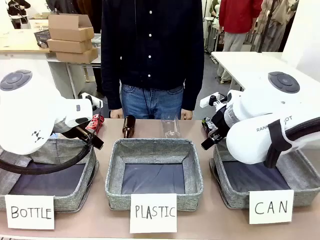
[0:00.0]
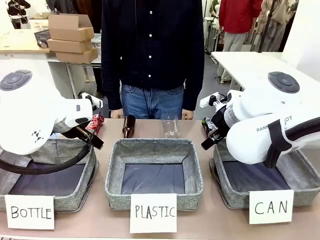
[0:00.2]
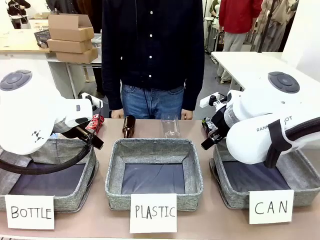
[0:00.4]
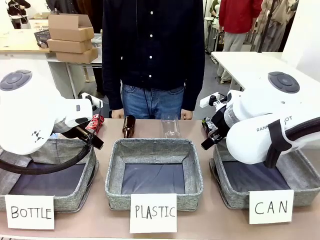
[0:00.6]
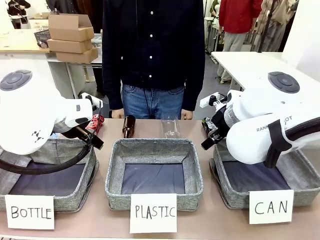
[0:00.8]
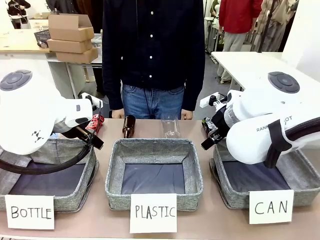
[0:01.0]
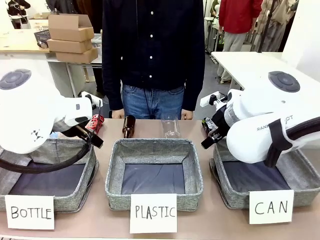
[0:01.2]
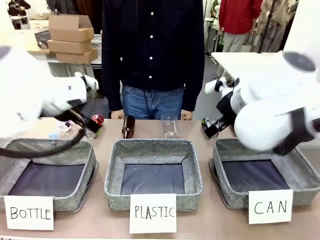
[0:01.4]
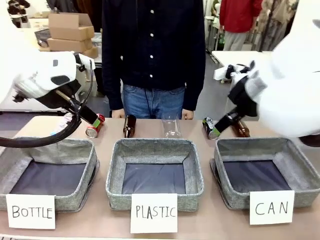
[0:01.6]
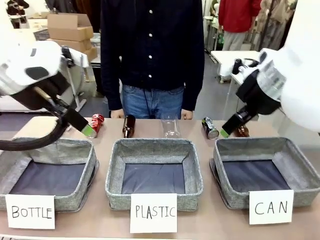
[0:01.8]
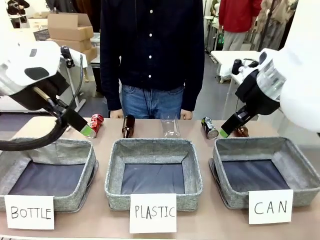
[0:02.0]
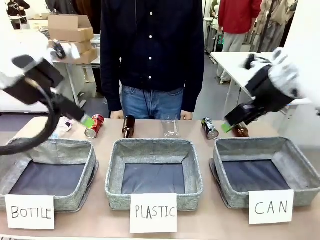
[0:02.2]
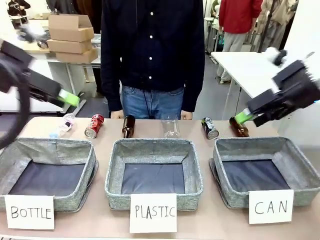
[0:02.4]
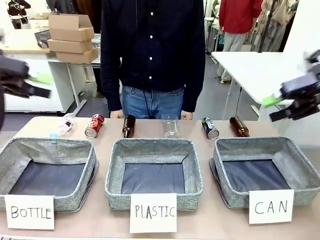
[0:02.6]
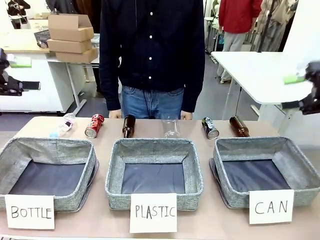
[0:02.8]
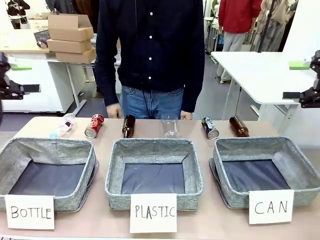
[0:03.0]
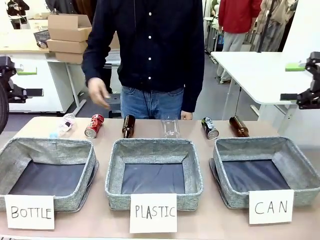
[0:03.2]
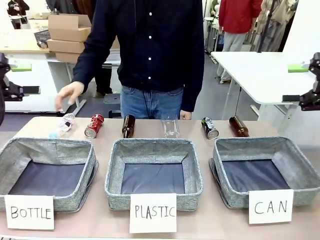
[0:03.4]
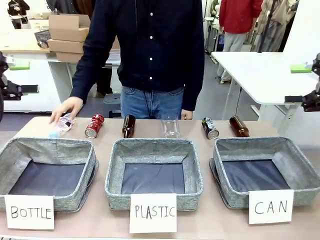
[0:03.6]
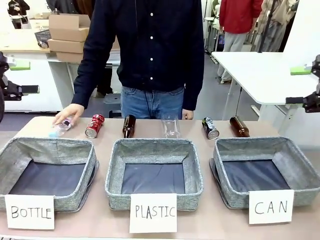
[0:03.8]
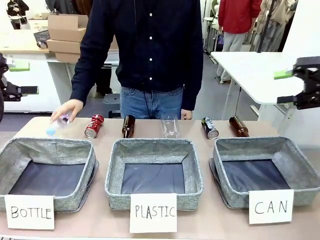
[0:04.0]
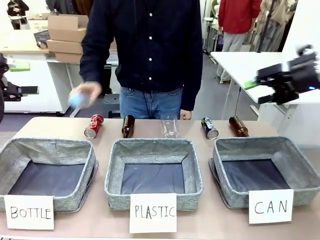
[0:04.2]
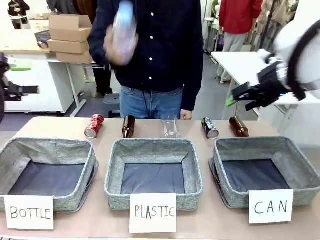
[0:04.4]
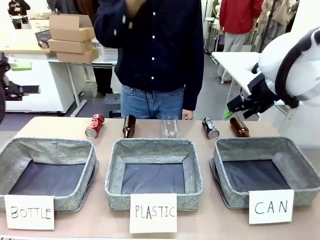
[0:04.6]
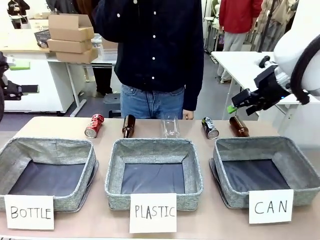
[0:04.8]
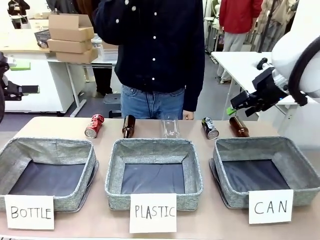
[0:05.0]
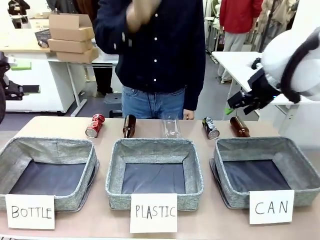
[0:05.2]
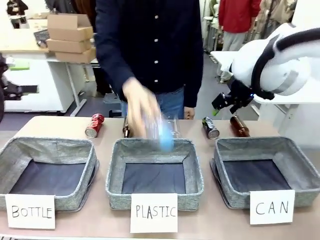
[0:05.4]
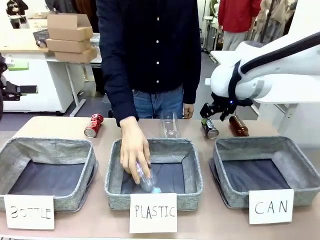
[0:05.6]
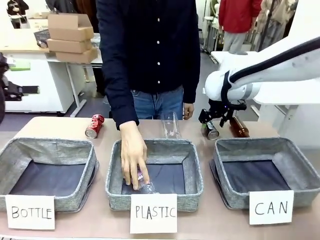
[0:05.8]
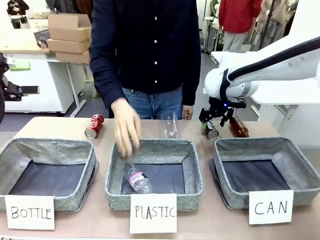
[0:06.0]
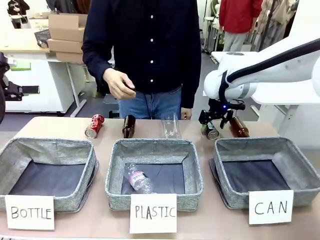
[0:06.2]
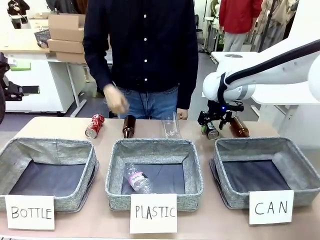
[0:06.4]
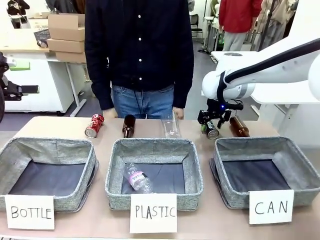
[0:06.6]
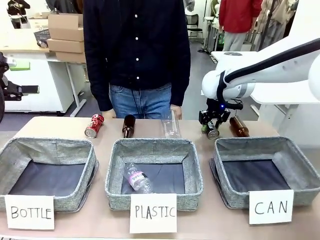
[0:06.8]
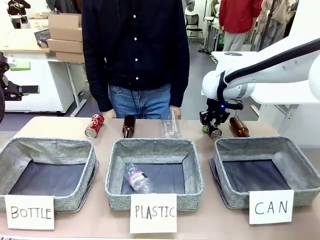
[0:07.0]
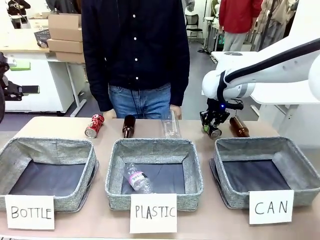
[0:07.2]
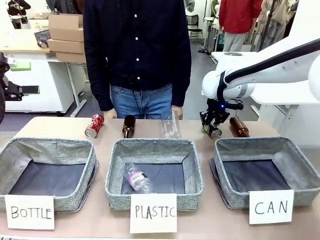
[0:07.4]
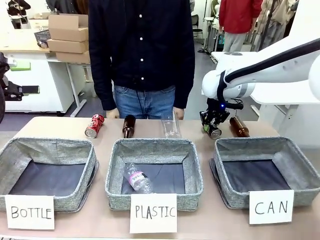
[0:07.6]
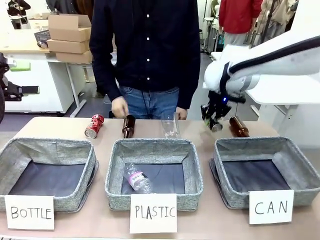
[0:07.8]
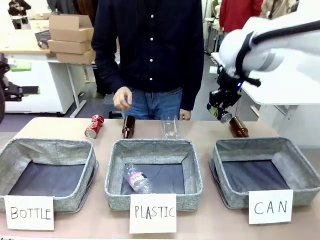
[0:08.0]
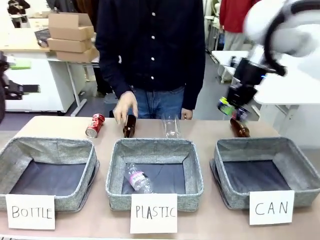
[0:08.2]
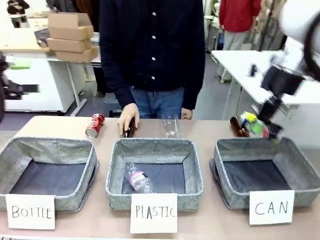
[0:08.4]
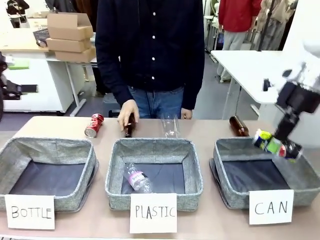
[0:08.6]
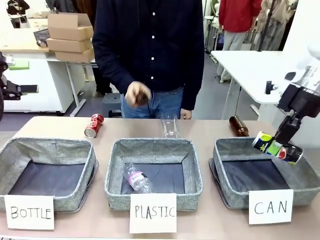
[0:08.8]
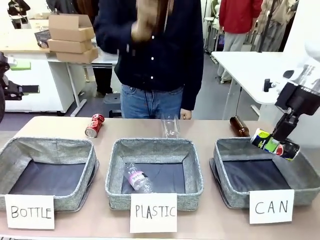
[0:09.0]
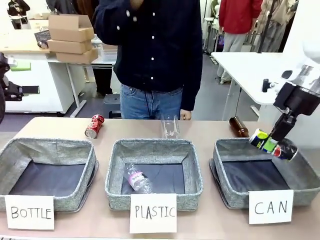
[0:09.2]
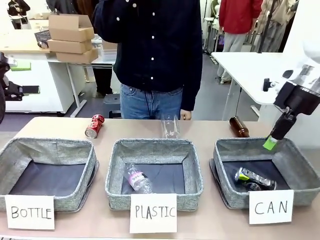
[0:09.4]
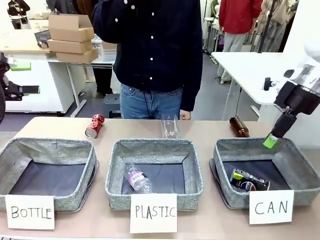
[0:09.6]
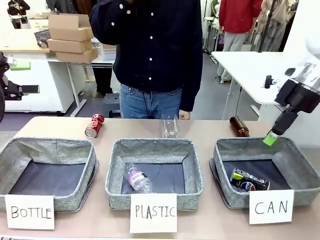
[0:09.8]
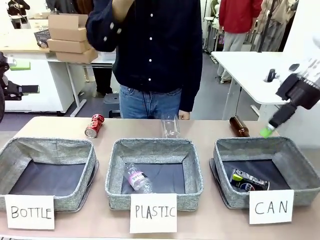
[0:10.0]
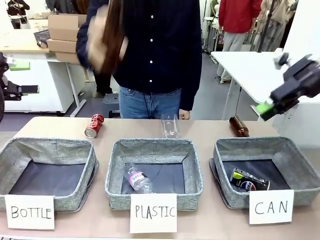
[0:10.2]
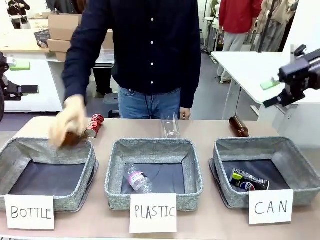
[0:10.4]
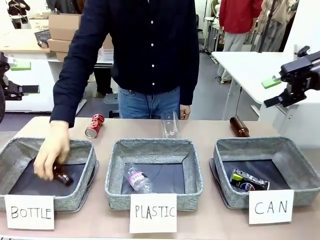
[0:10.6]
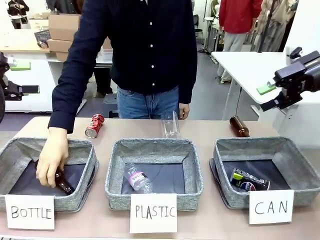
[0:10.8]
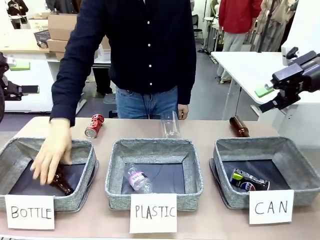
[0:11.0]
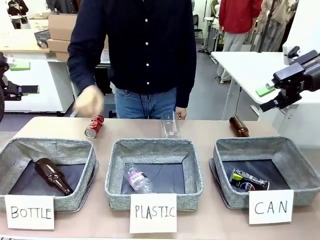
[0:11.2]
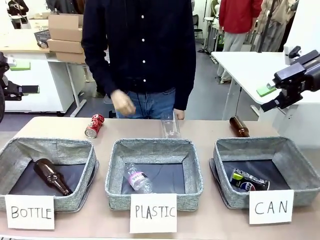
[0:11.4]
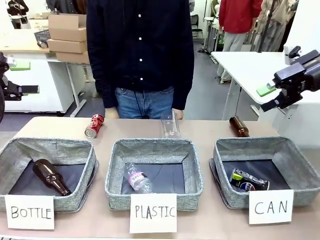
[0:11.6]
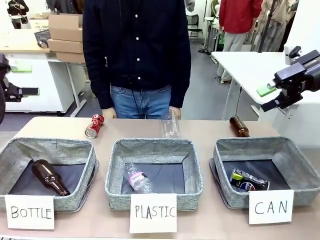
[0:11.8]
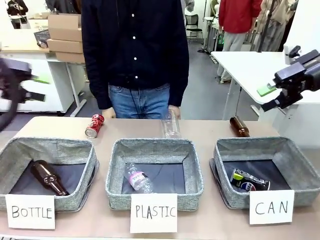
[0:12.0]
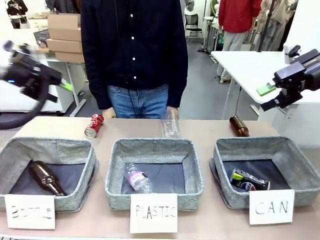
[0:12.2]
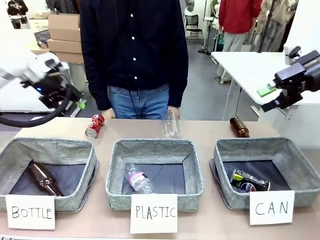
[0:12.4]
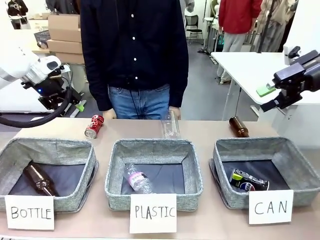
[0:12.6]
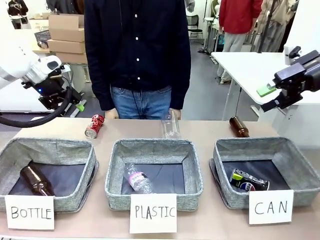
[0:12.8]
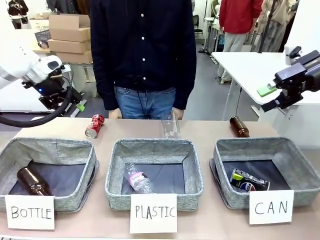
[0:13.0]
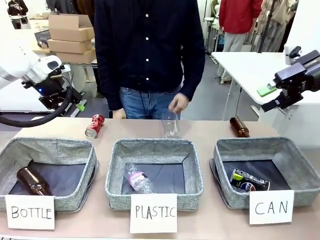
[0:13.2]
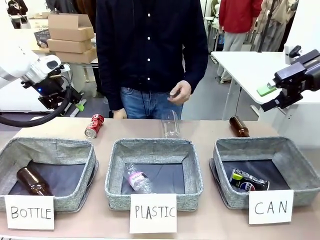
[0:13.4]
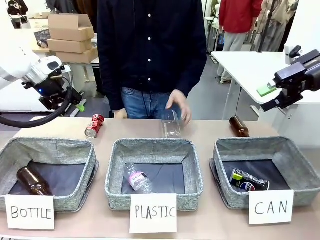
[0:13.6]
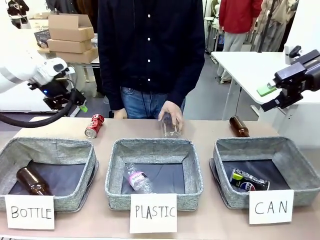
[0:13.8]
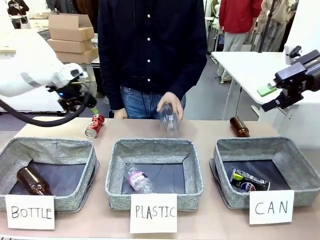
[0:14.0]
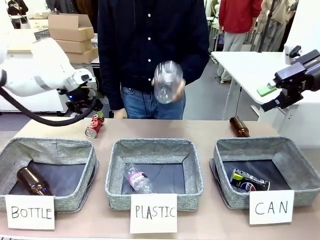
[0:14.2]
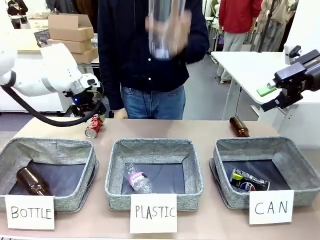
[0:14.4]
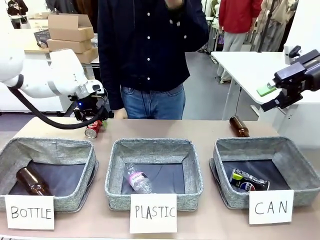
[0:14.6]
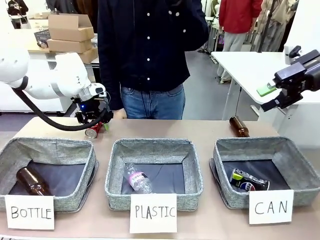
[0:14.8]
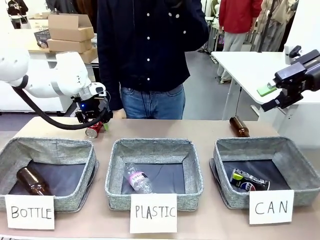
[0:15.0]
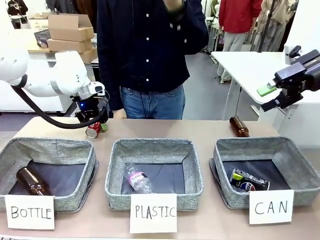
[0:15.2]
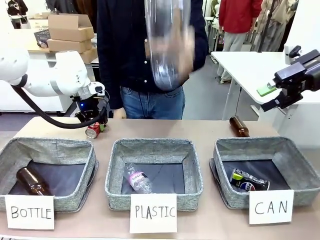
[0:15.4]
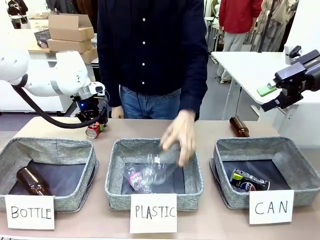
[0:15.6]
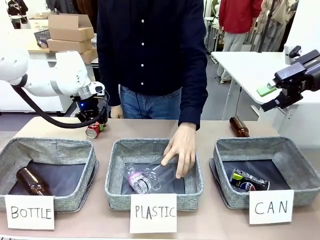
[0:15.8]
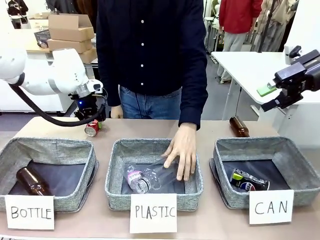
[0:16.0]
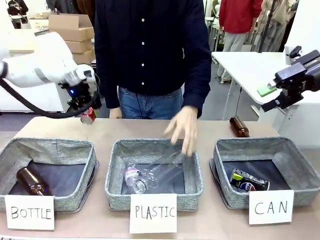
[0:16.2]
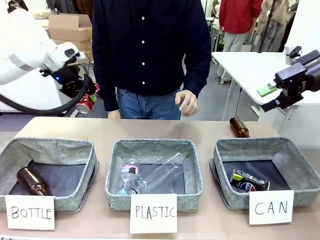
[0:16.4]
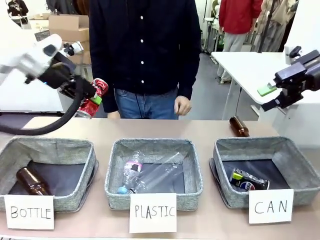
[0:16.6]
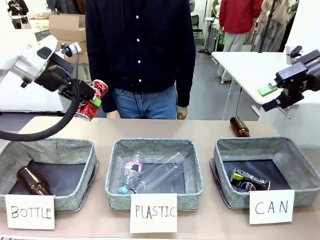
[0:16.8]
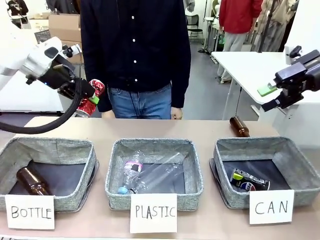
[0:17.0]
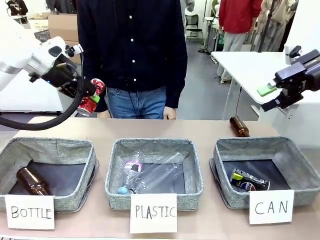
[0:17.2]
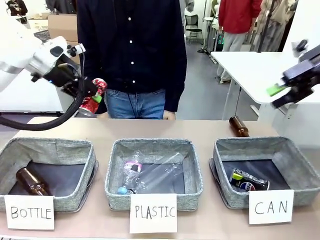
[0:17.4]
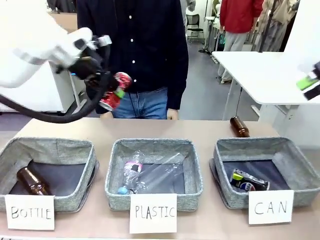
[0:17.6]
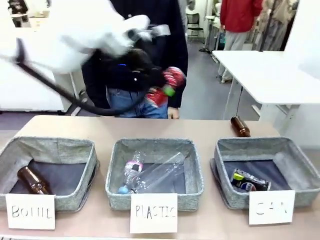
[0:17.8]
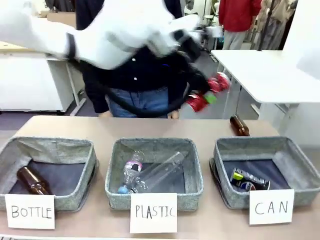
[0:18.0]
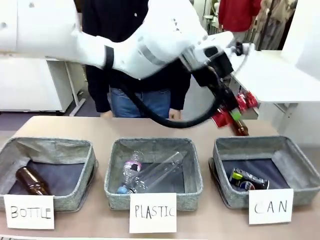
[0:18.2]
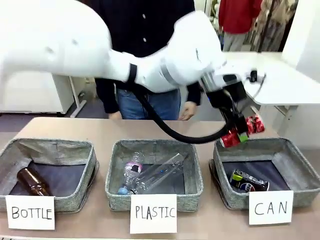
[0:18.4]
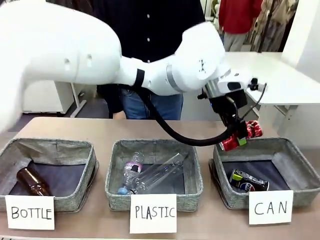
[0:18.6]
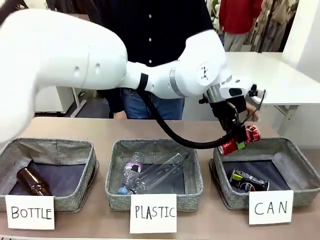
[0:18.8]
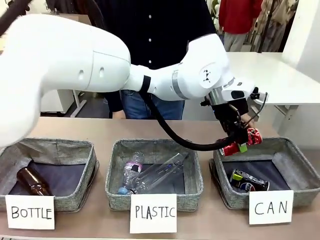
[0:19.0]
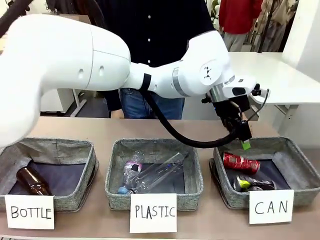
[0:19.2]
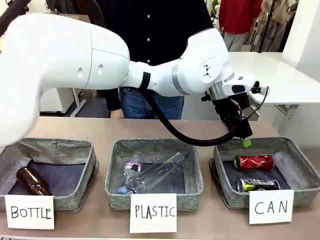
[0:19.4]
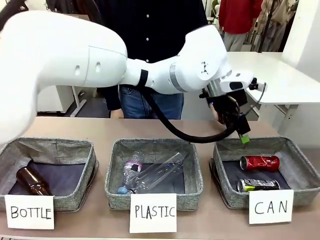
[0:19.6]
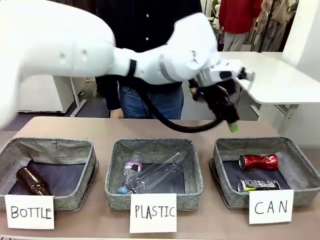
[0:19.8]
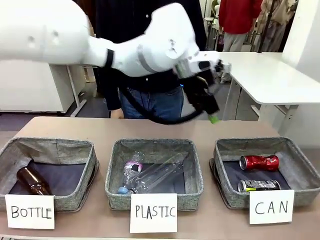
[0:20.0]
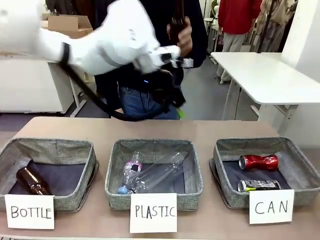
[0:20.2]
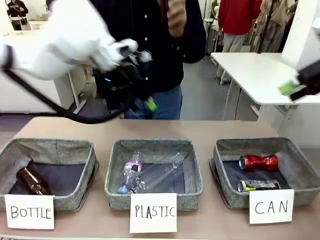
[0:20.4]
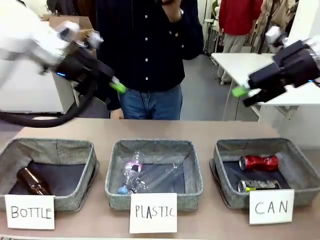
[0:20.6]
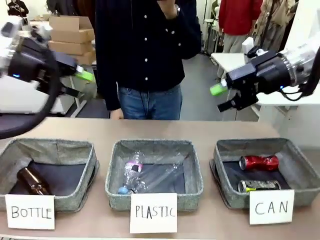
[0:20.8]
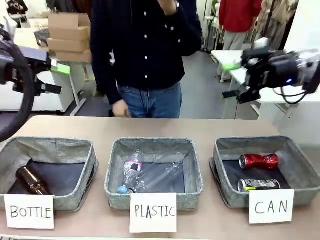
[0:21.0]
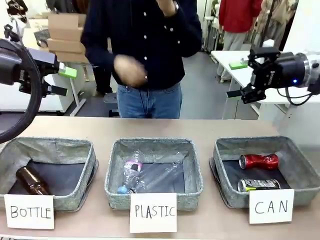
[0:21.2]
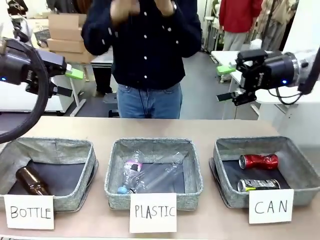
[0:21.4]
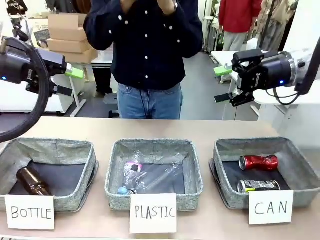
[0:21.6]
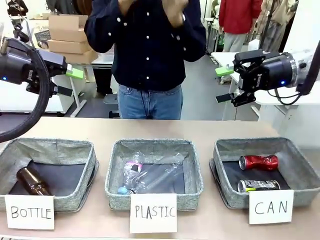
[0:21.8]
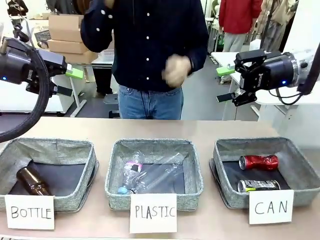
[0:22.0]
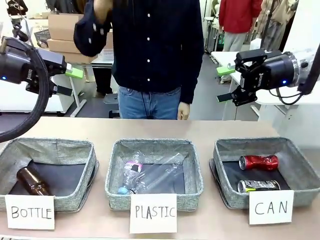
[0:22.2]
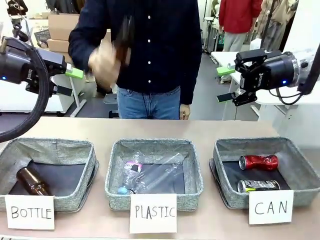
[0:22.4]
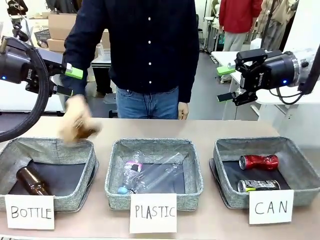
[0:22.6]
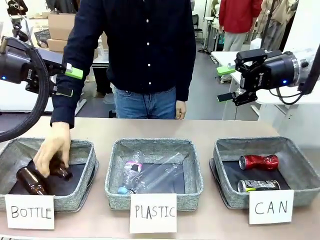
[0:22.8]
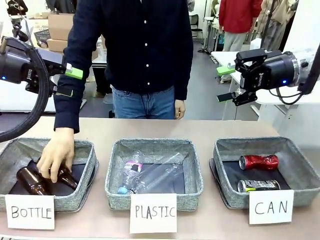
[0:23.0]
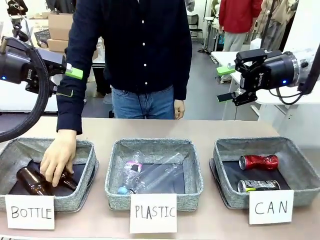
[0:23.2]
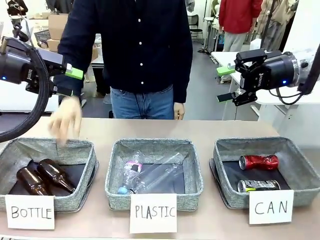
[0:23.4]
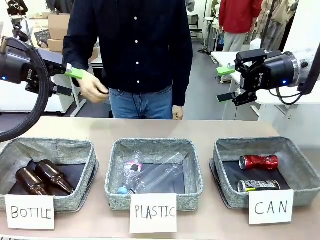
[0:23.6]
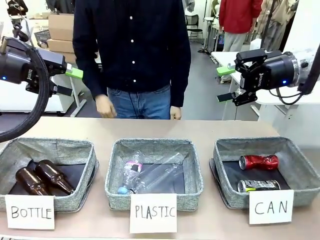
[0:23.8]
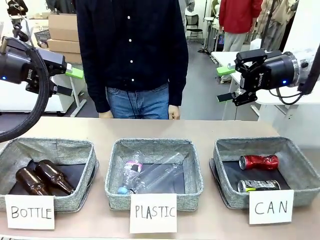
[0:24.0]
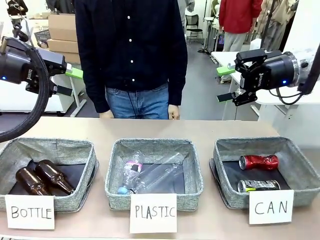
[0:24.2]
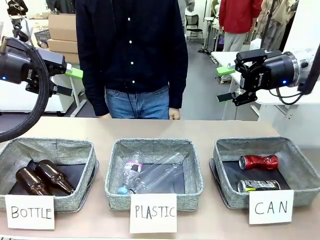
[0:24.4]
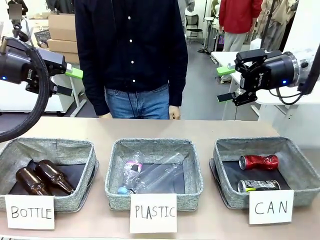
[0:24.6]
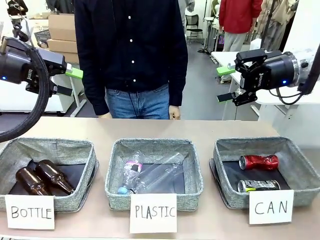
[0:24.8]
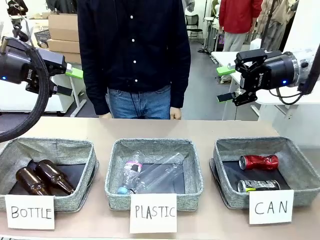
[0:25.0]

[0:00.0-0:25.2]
Task: Sort the can waste into the basket.
Robot: Pick up the can waste from the table and place it in the right Fabric basket.
Person: The human picks up one piece of trash that is not a can and places the trash into the appropriate organizing basket.
